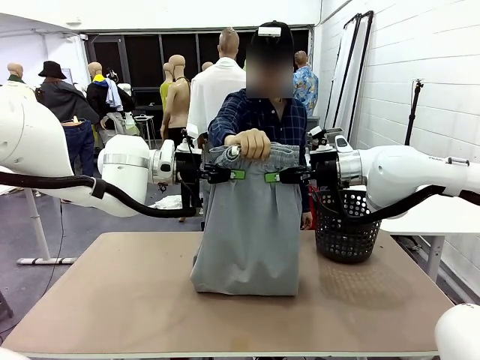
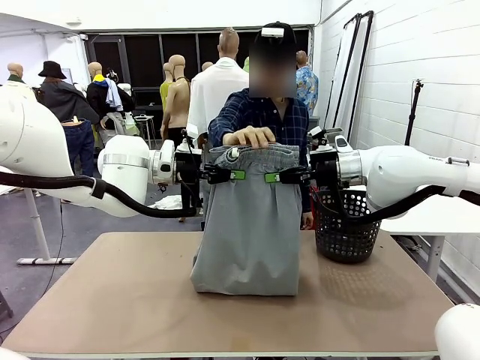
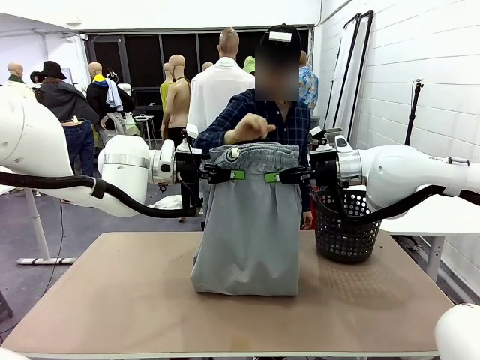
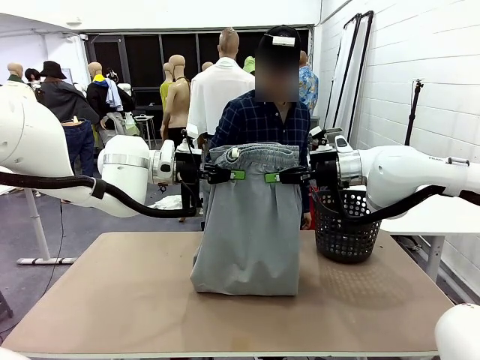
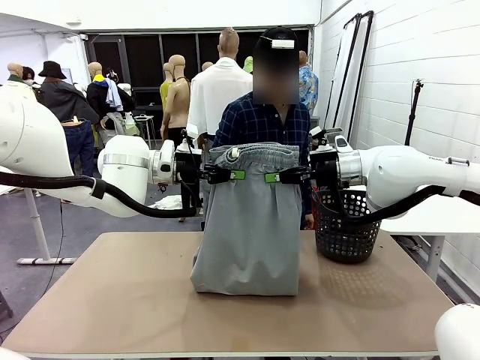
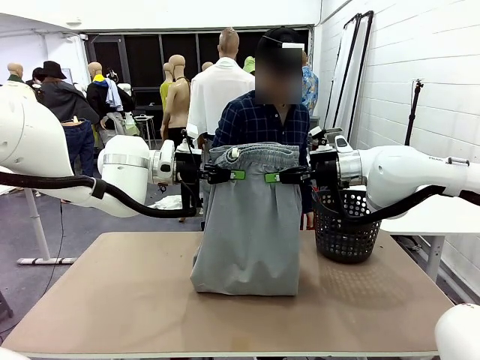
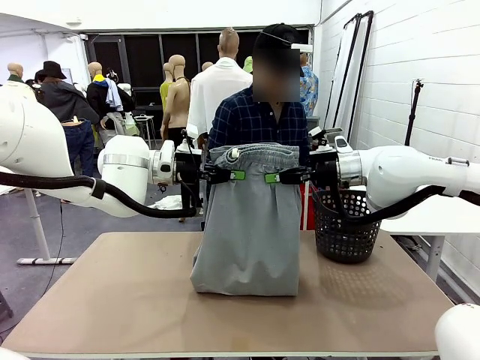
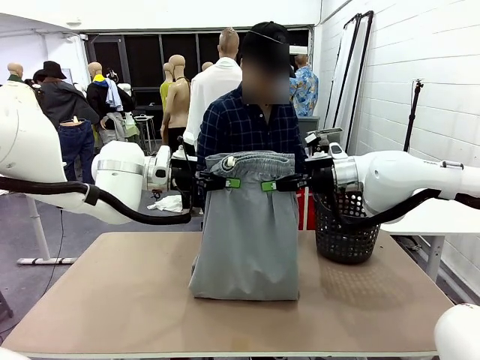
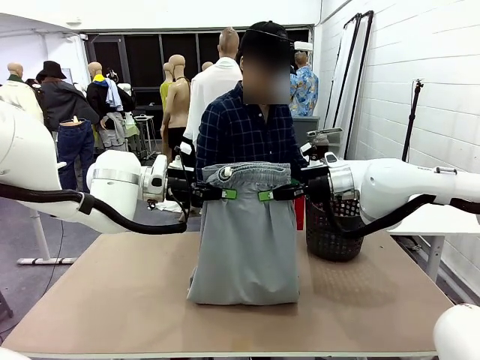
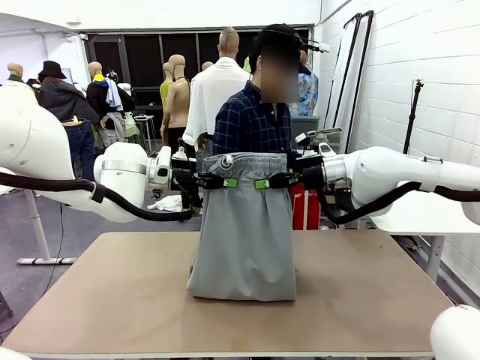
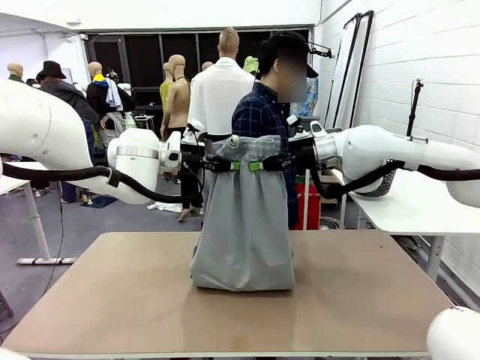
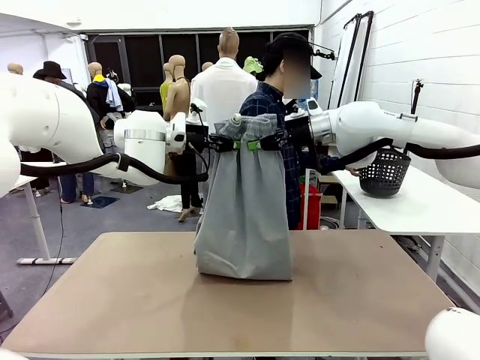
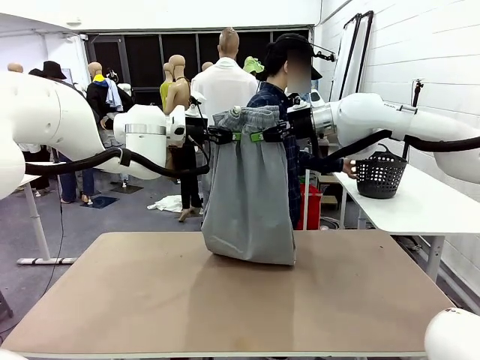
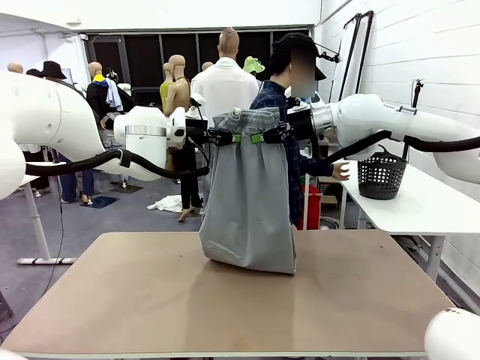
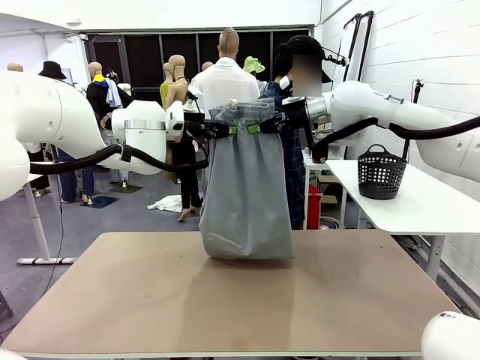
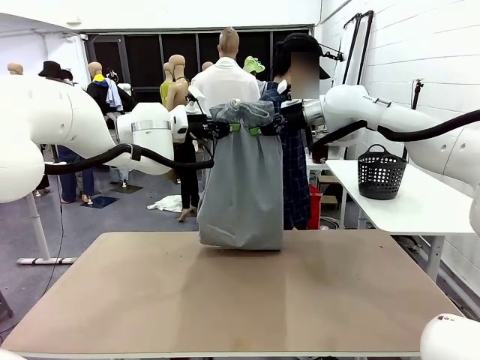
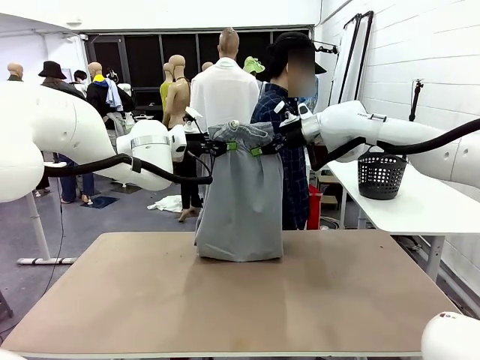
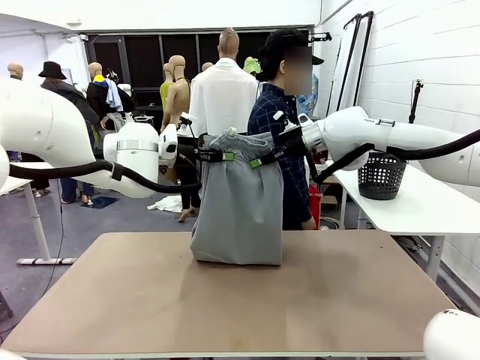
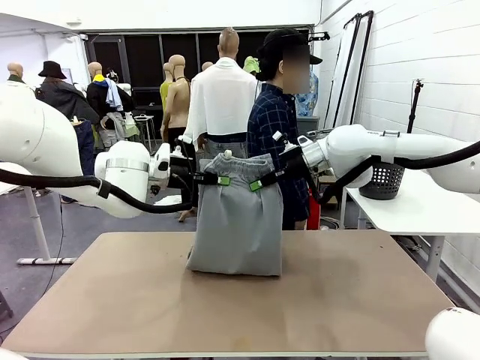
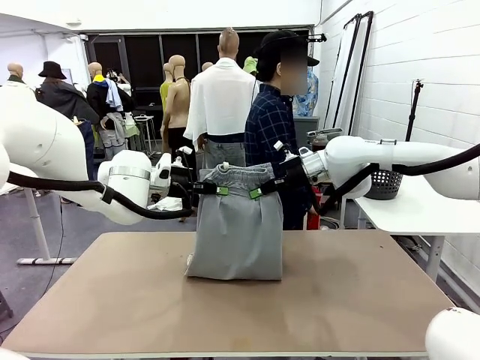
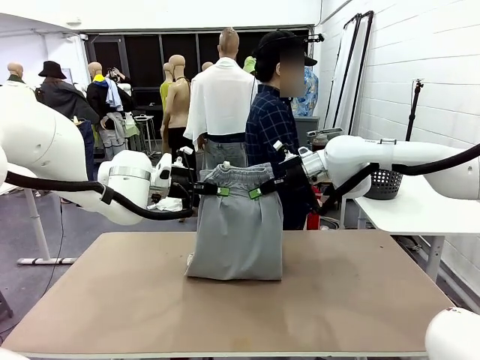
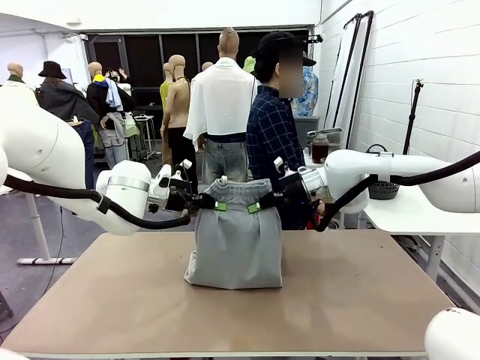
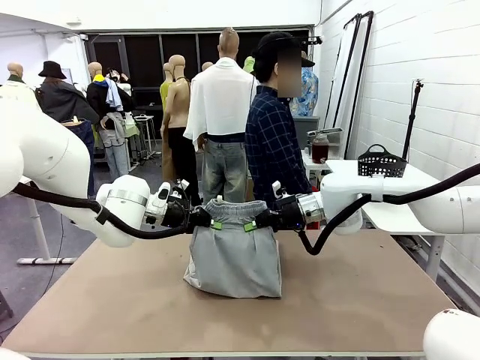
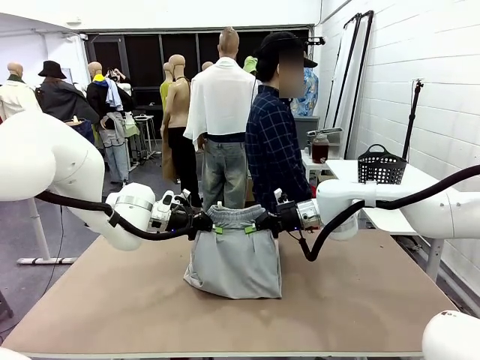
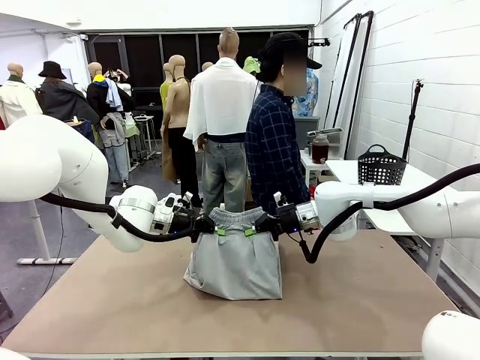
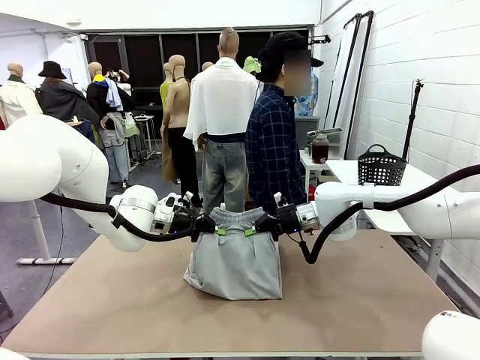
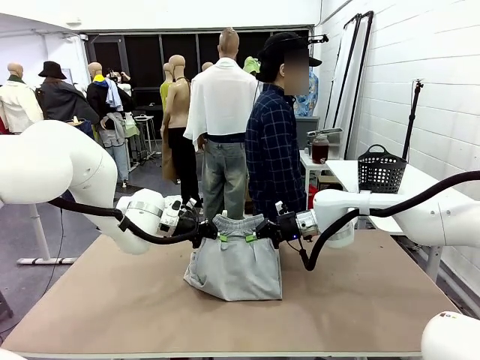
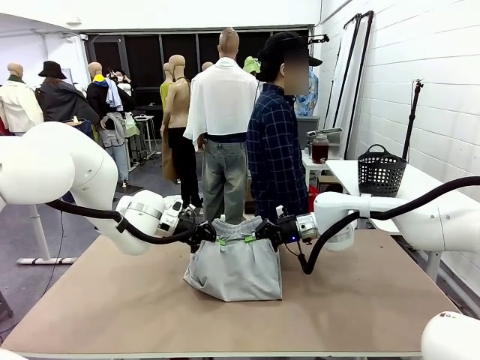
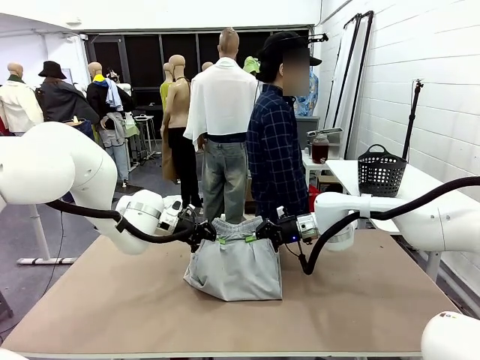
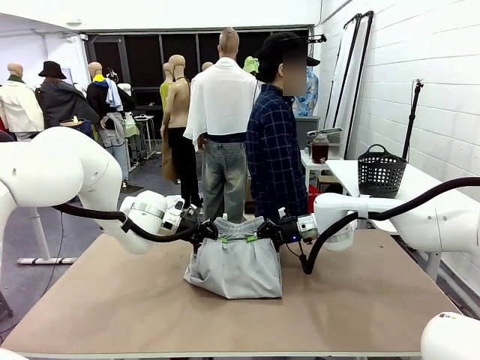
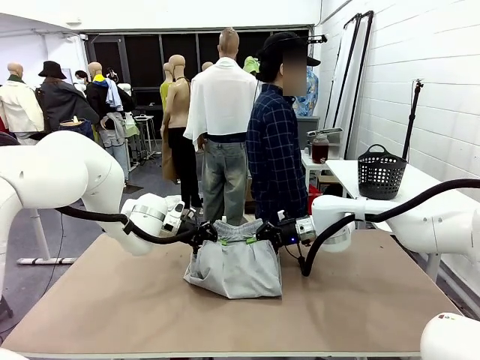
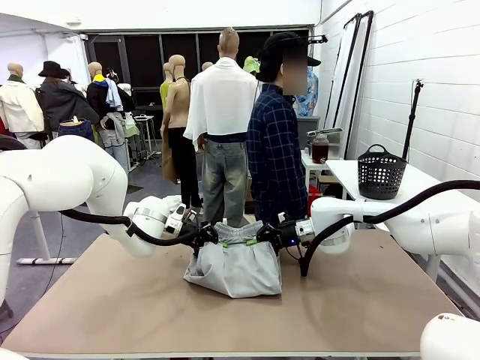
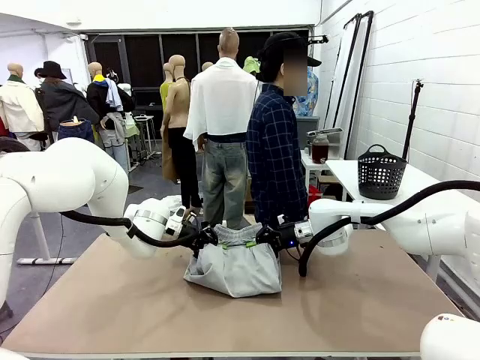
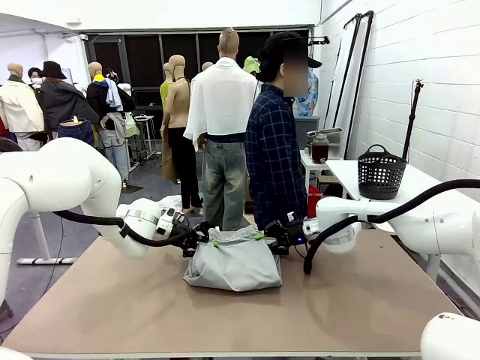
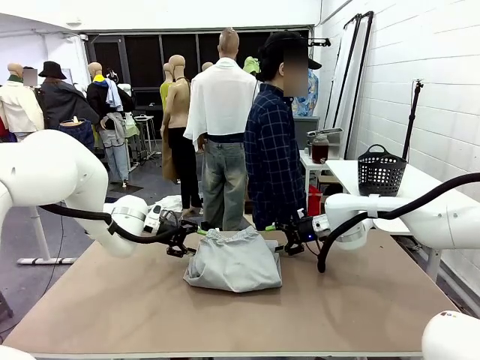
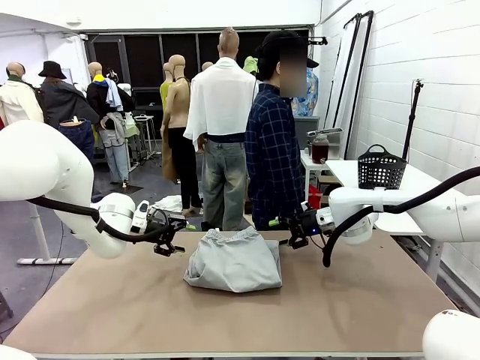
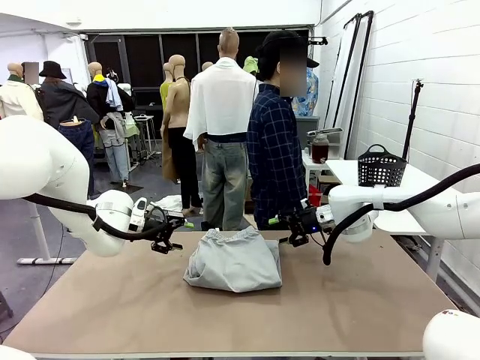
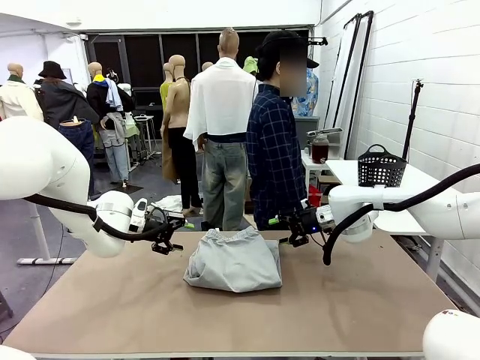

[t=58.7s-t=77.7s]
Task: Fold the training pants.
Robot: Fold the Training pants in half.
Person: Move the laundry basket to the right of the human table.

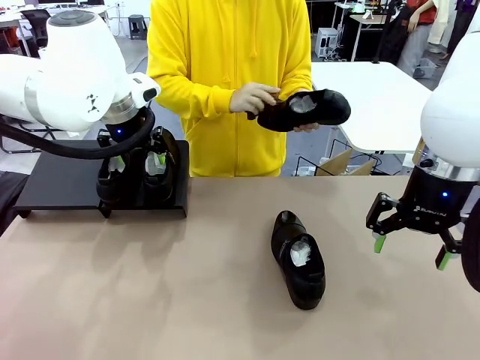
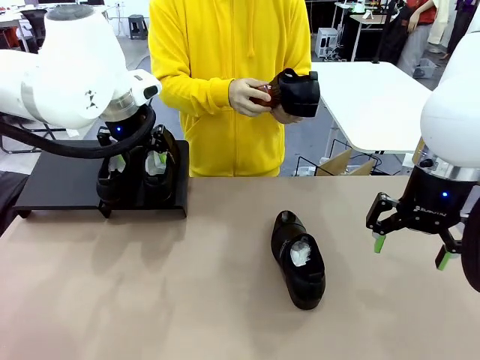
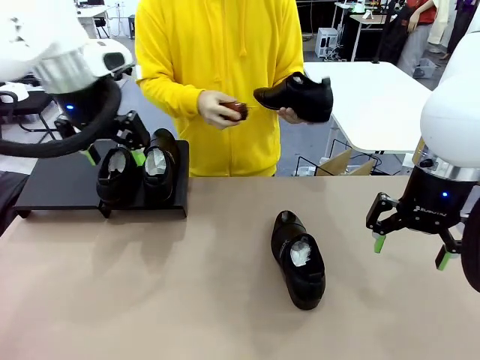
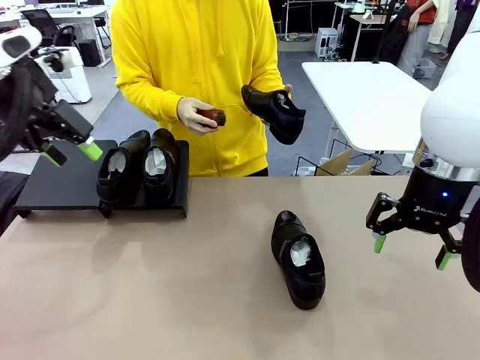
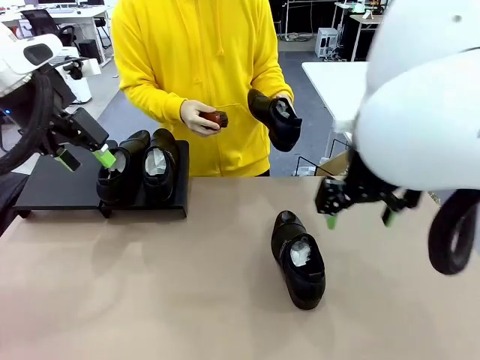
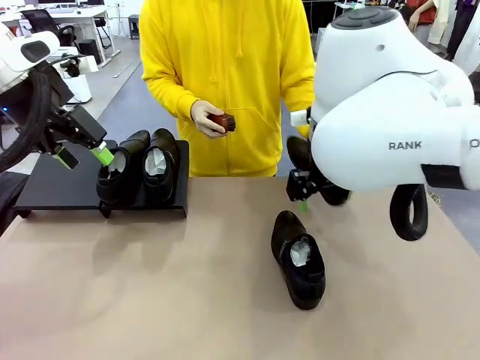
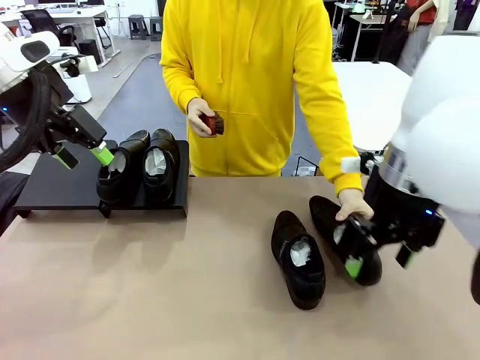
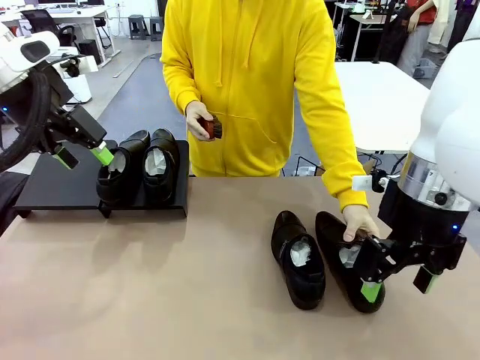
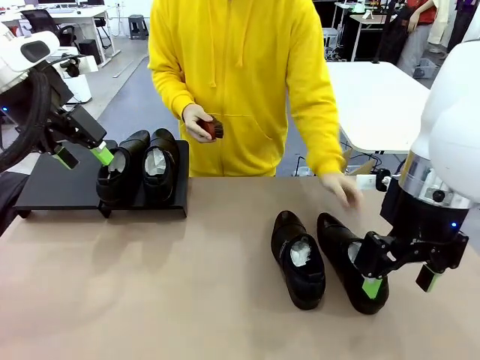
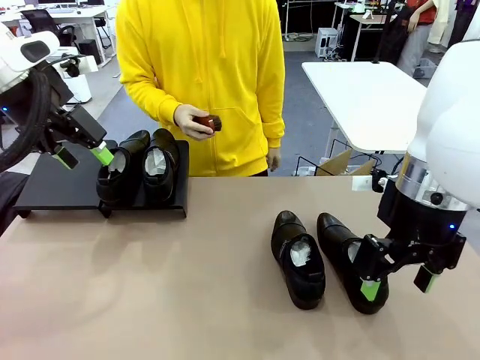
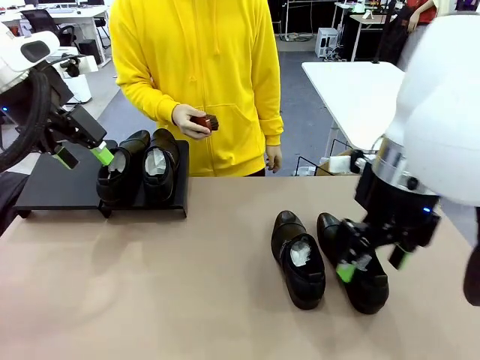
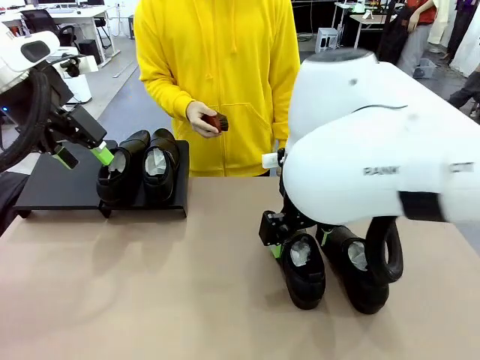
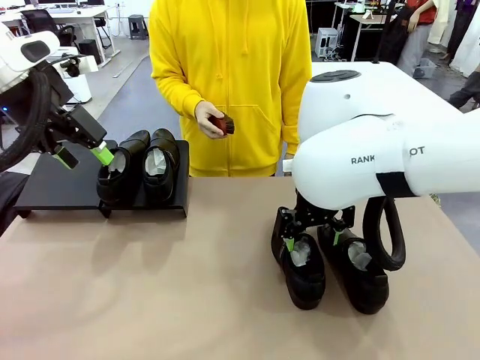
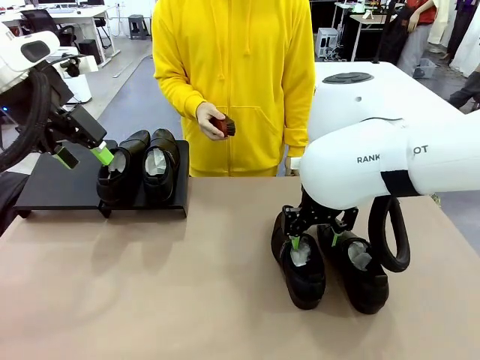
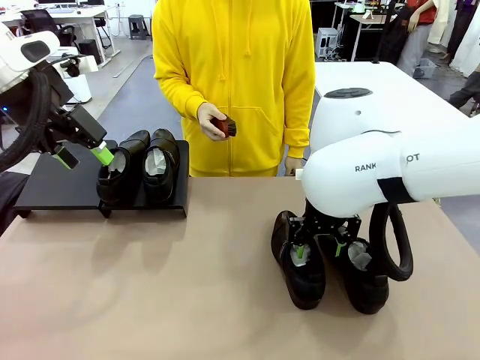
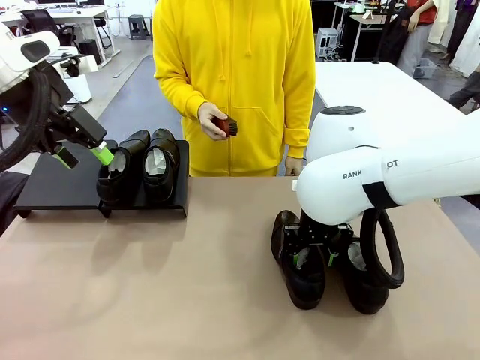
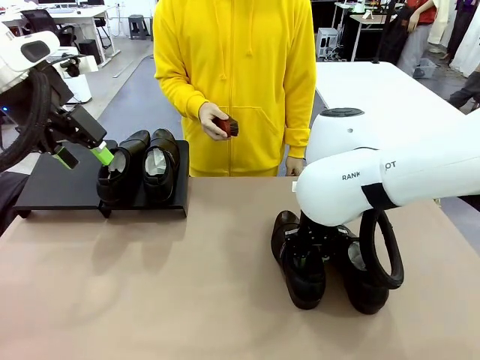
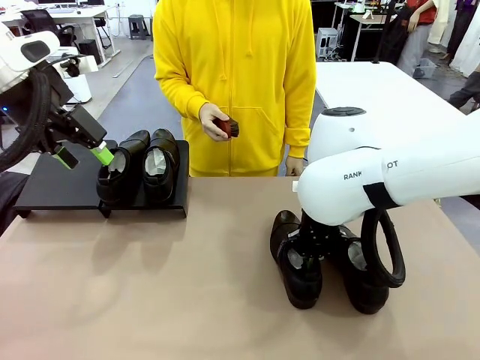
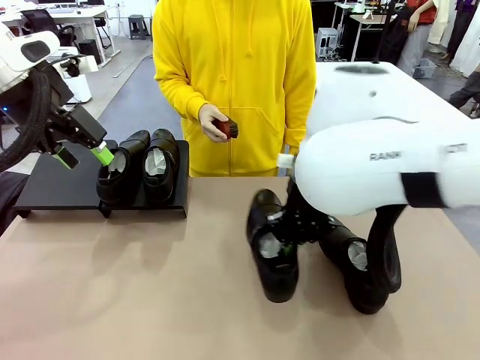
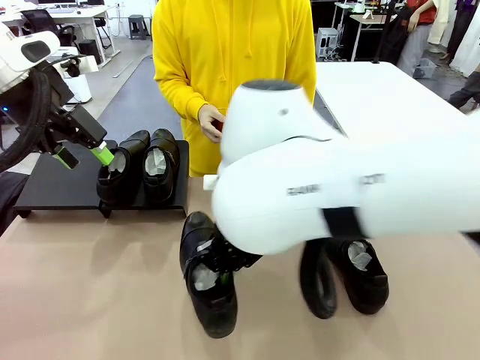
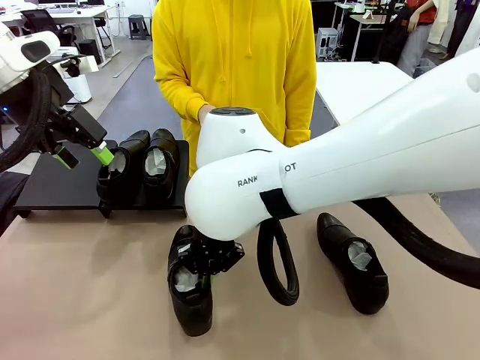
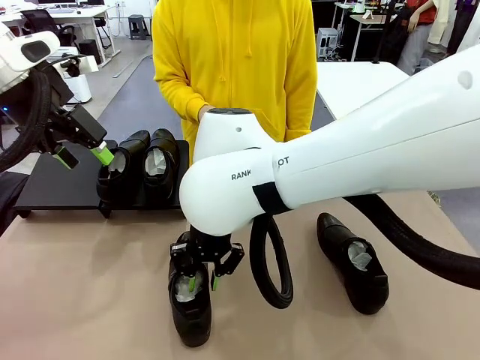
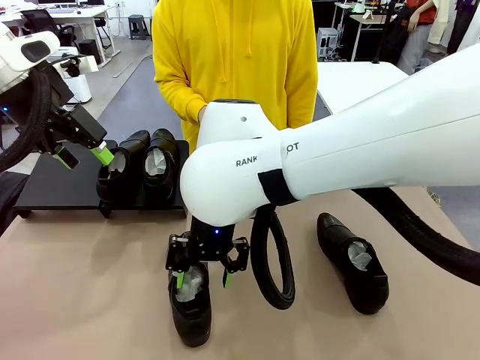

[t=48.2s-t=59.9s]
Task: Organize the shoes by placing them on the stand.
Robot: Pick up one Shoe and place it in the middle of the table.
